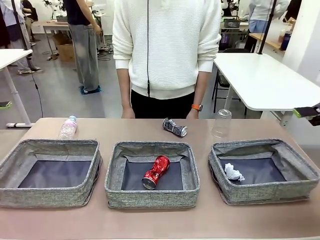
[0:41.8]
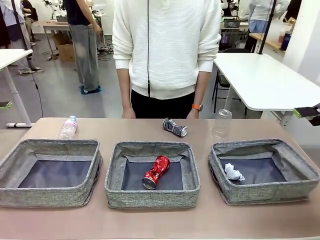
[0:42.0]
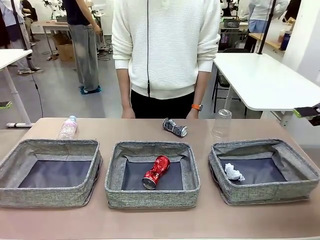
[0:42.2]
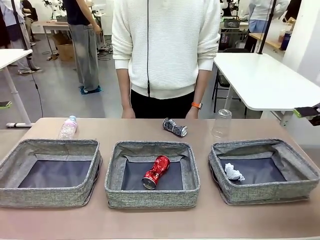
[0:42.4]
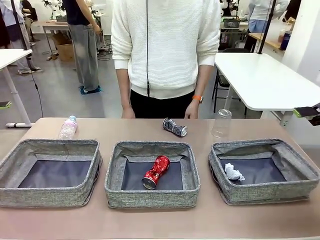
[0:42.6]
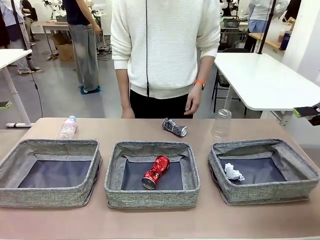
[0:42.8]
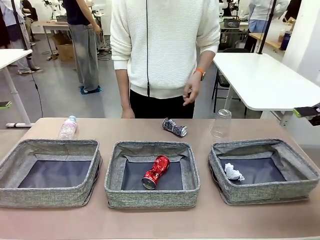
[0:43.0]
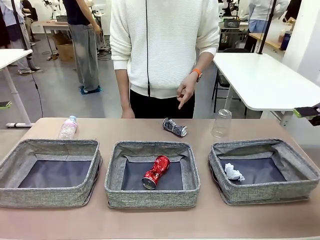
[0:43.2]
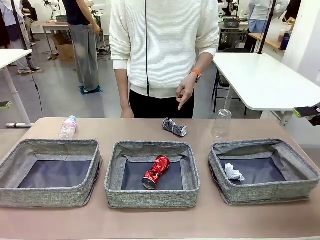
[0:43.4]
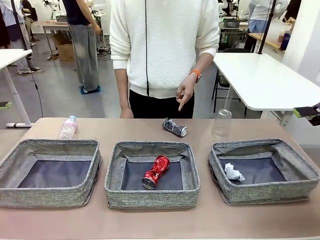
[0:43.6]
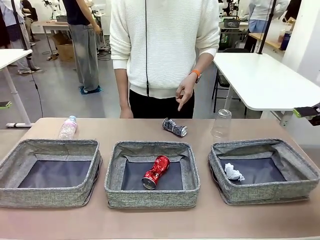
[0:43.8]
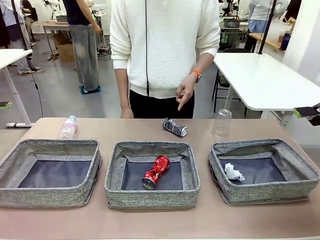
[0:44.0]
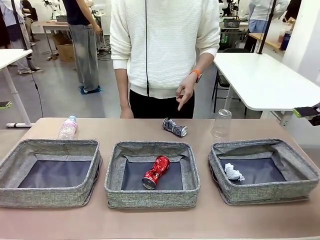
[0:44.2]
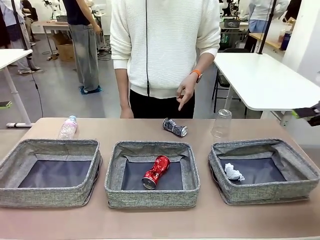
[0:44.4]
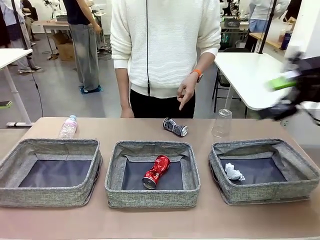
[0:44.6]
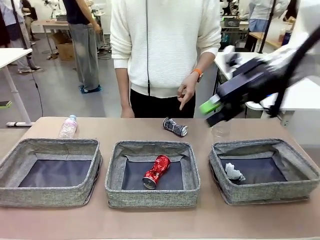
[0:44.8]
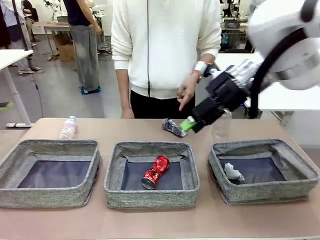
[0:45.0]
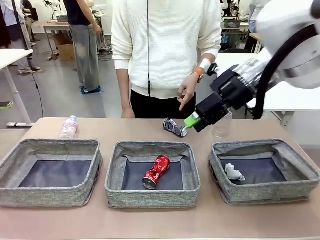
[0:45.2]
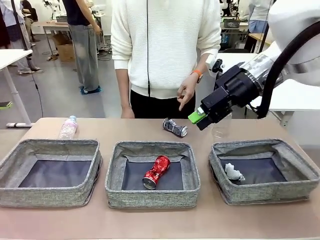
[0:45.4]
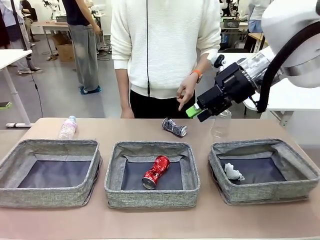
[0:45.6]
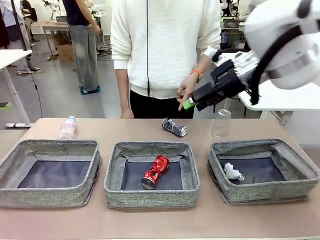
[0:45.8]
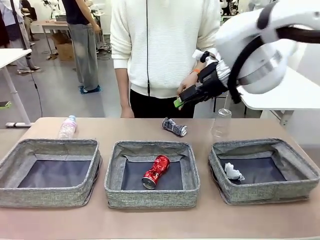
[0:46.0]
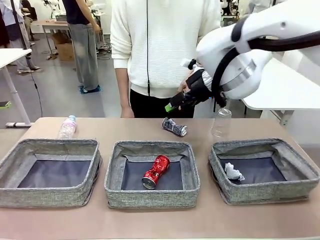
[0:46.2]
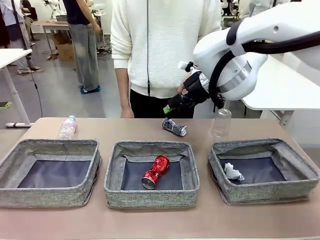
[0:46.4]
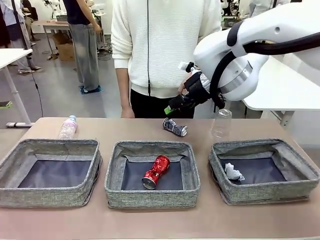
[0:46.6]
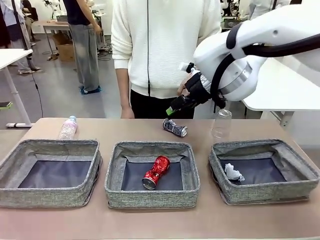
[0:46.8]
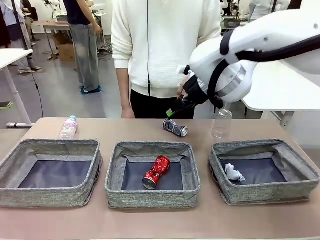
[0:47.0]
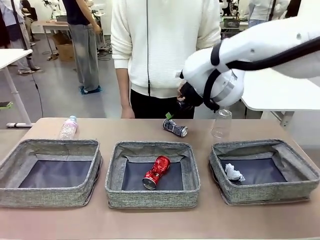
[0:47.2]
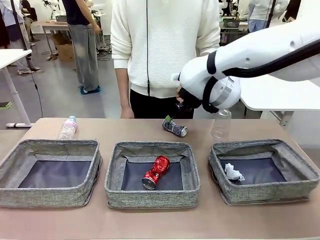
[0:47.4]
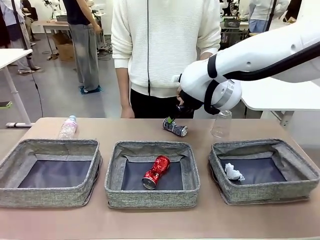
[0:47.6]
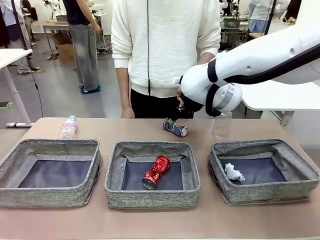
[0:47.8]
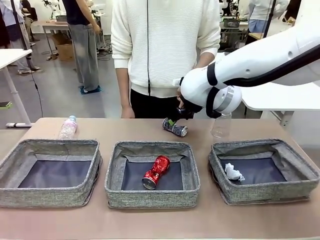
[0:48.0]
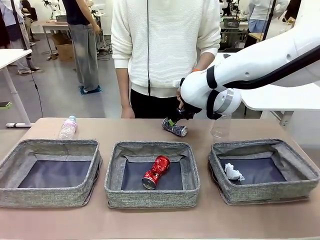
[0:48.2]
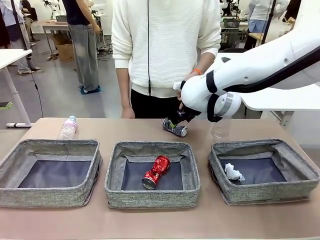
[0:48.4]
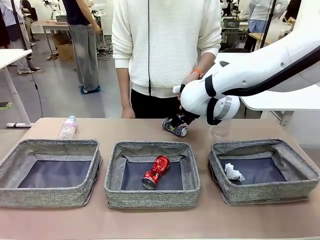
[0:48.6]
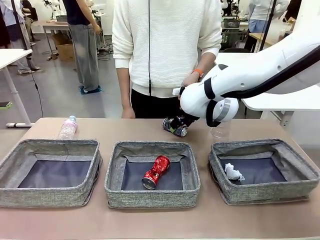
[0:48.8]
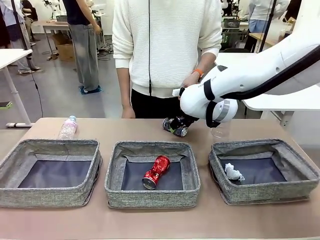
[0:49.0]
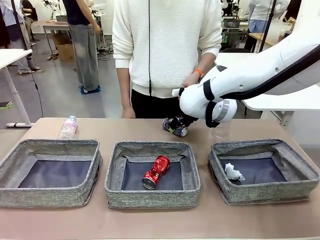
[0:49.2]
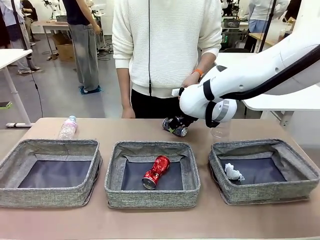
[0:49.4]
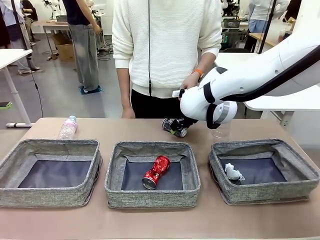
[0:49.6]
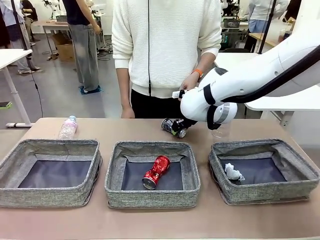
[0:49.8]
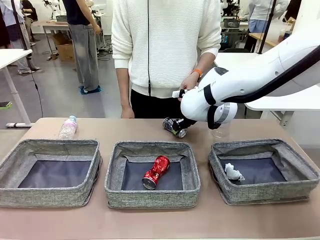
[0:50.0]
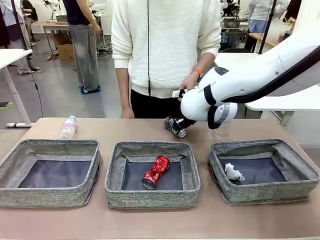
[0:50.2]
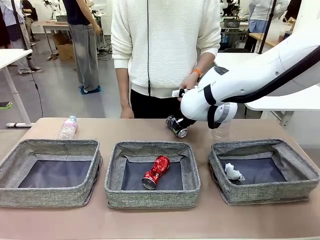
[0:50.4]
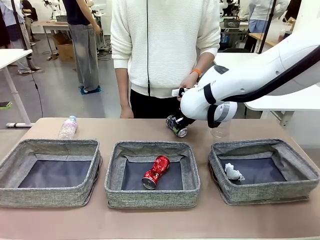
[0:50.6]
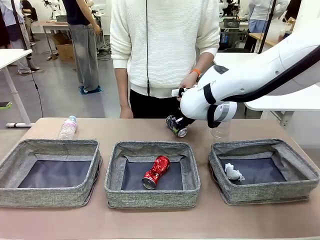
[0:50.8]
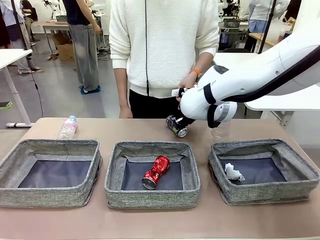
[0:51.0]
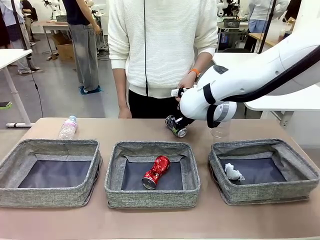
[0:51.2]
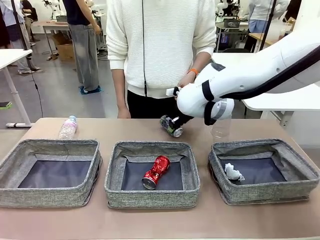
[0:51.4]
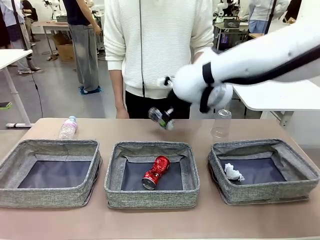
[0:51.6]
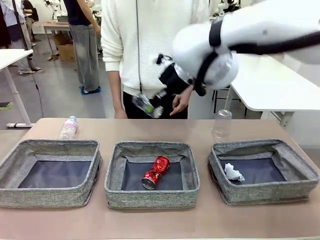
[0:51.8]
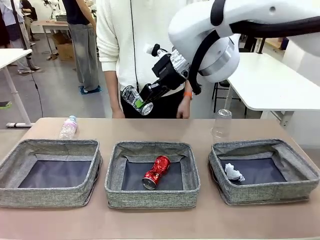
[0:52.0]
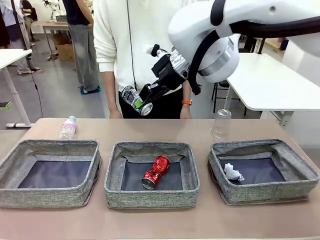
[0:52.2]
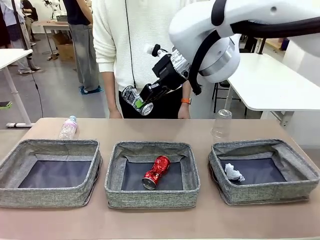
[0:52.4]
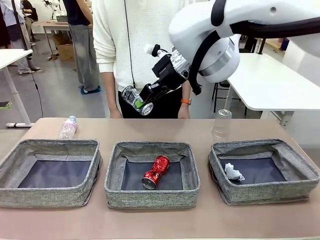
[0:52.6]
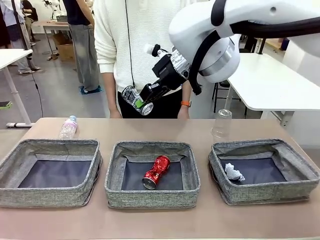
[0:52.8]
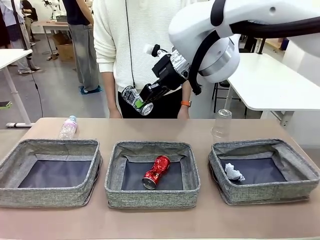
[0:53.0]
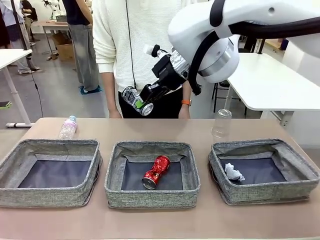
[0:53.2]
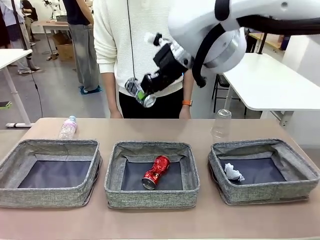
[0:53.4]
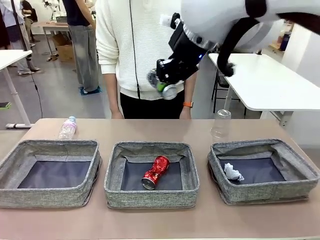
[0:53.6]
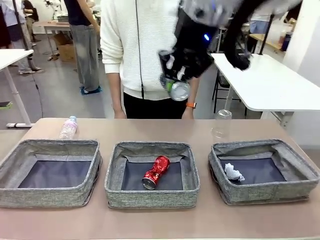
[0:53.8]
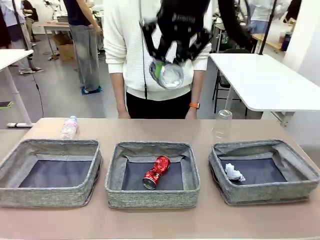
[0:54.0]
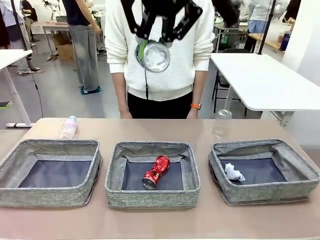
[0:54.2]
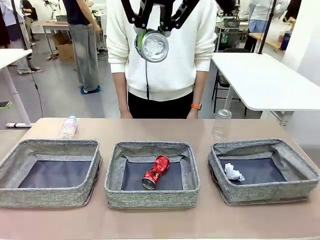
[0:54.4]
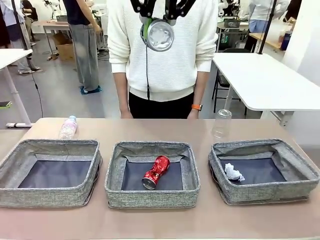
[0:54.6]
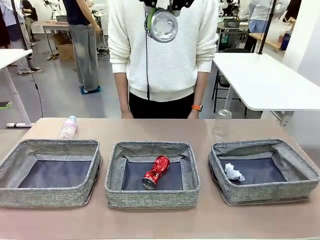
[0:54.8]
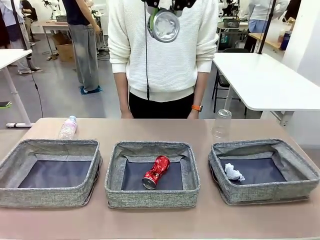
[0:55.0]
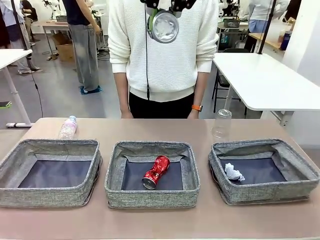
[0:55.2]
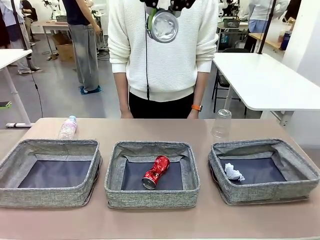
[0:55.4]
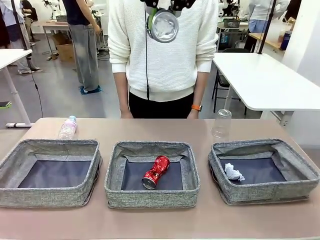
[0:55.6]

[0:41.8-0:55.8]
Task: Sort the waste into the appropriate baskets.
Robot: Pick up the waste item pointed out by the person.
Person: Points to one piece of trash on the table.

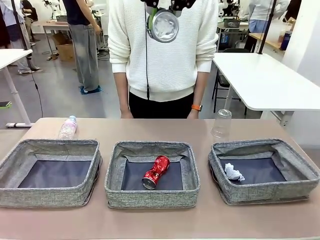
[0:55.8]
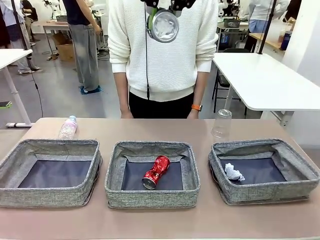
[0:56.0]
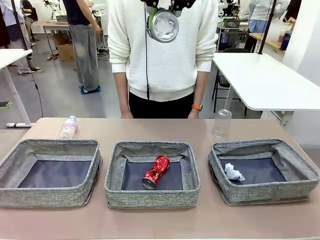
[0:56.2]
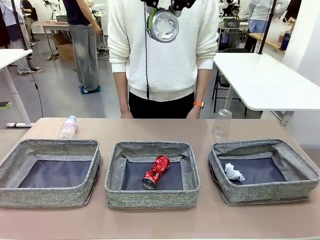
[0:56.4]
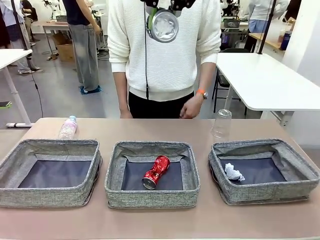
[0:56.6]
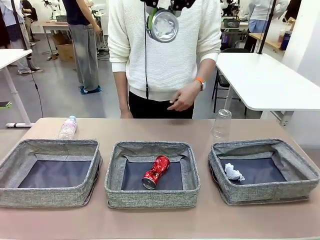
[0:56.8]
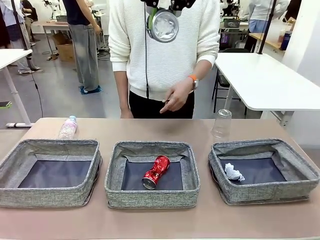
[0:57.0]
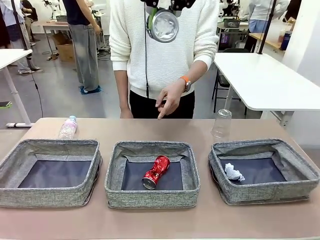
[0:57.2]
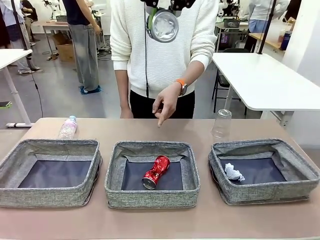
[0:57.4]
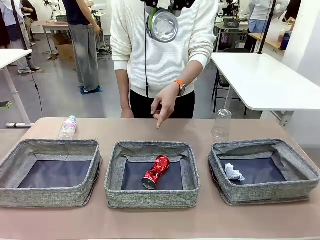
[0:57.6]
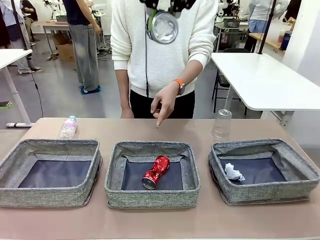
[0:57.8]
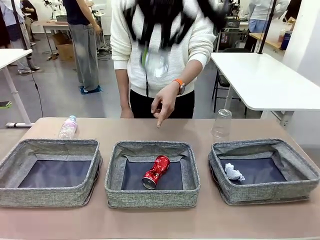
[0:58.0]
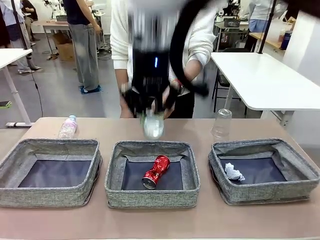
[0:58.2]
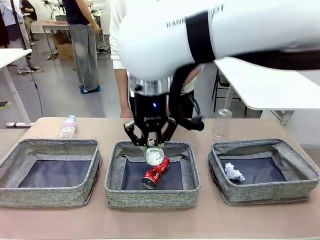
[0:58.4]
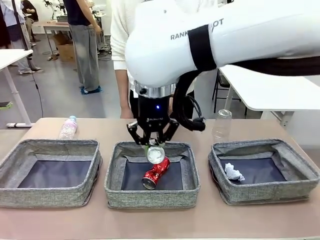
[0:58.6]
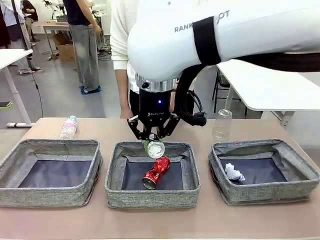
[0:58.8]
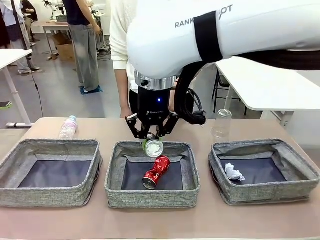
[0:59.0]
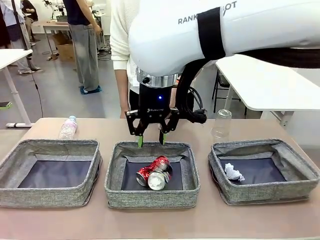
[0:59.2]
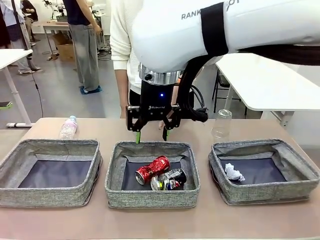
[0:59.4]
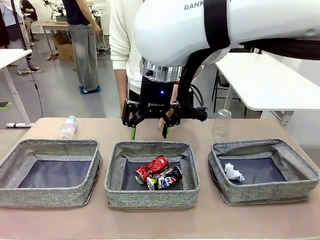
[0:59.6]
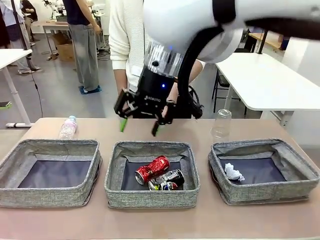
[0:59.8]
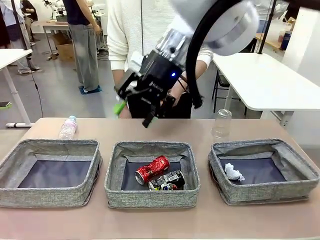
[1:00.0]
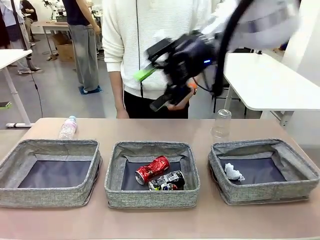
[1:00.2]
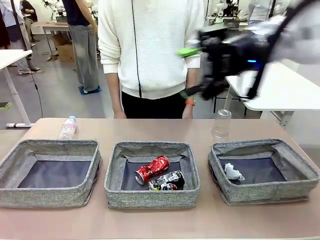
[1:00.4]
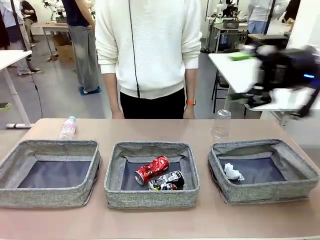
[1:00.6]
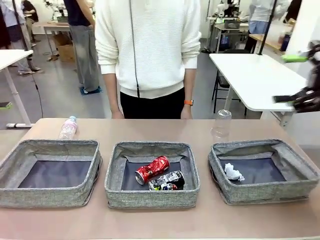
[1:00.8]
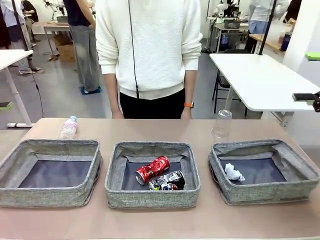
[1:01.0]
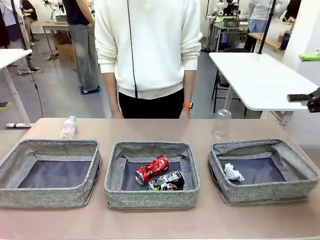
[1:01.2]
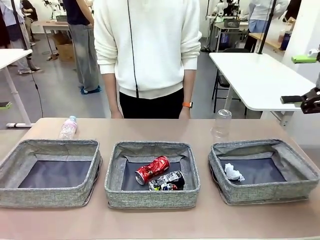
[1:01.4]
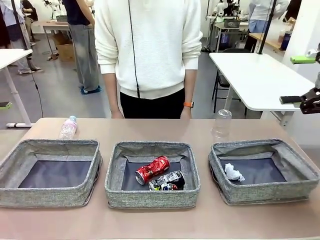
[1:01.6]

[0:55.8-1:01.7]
Robot: Place the picked waste into the Fabric basket indicated by the person.
Person: Instructs the robot to place the picked-up trash into the appropriate organizing basket.
